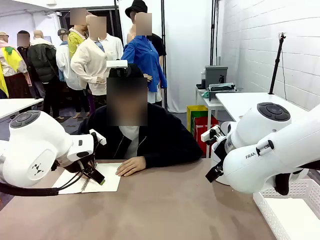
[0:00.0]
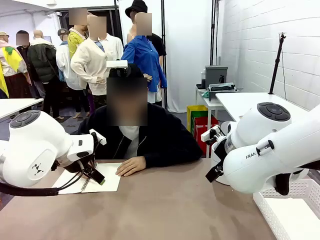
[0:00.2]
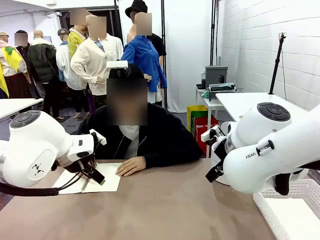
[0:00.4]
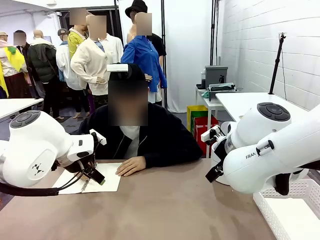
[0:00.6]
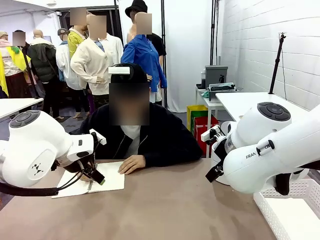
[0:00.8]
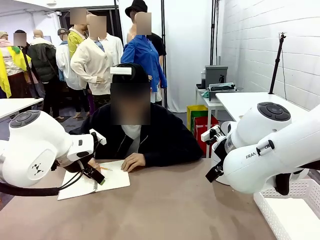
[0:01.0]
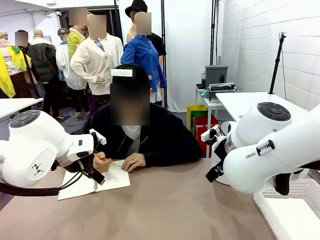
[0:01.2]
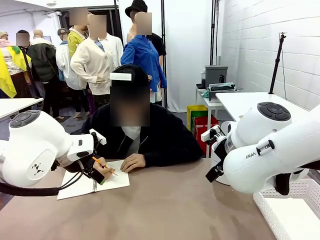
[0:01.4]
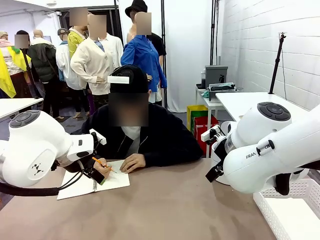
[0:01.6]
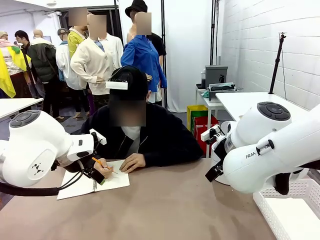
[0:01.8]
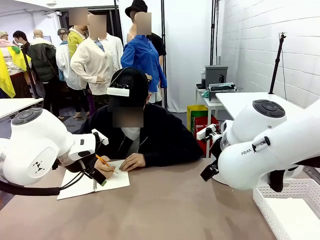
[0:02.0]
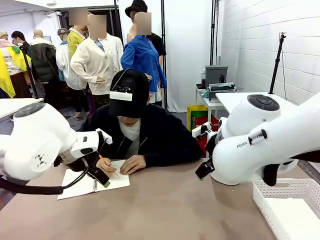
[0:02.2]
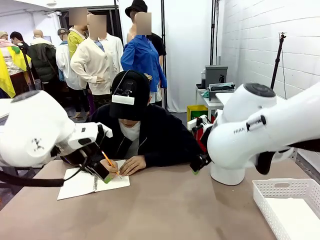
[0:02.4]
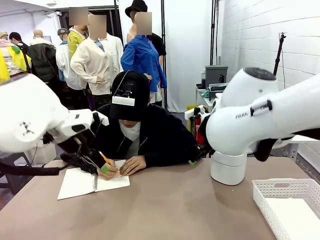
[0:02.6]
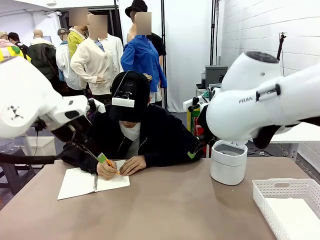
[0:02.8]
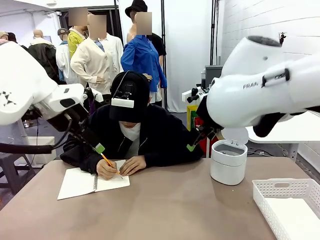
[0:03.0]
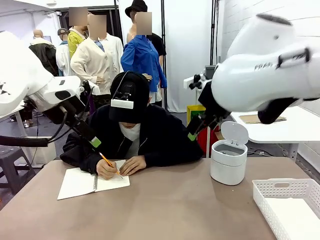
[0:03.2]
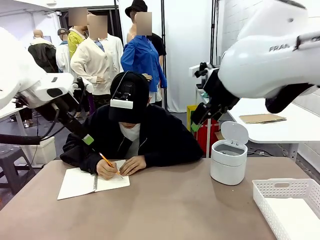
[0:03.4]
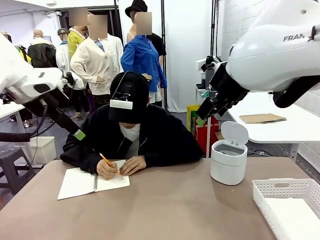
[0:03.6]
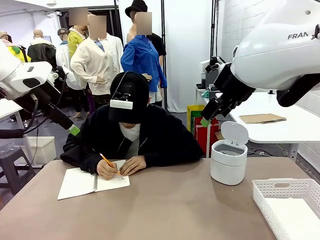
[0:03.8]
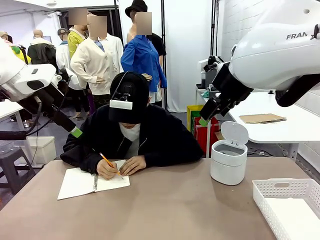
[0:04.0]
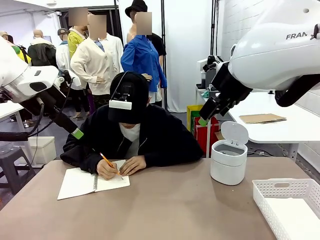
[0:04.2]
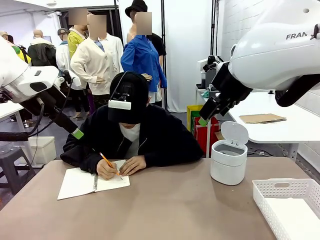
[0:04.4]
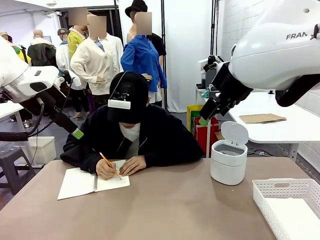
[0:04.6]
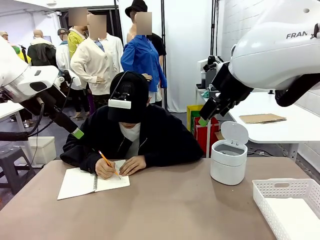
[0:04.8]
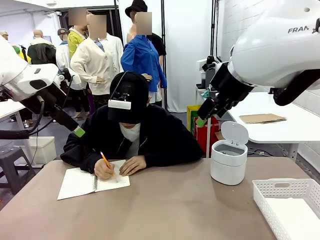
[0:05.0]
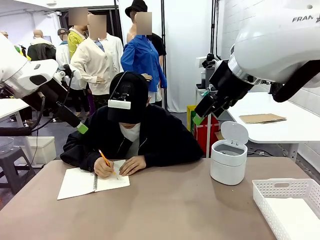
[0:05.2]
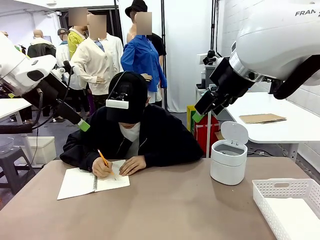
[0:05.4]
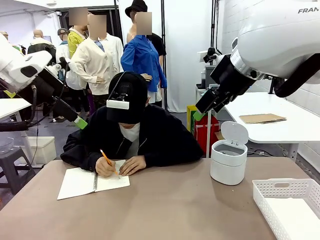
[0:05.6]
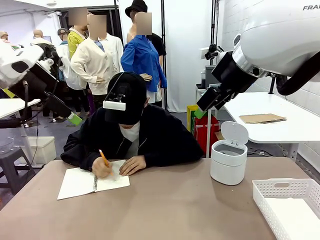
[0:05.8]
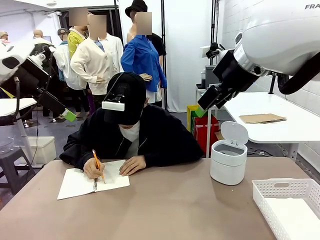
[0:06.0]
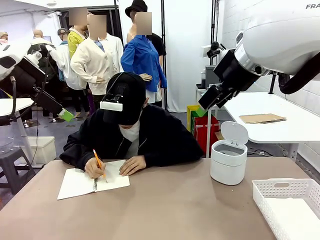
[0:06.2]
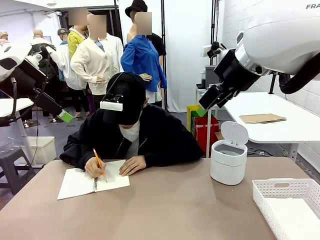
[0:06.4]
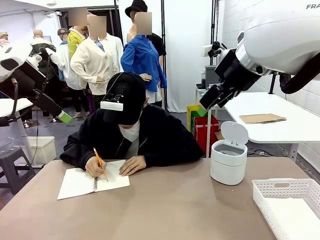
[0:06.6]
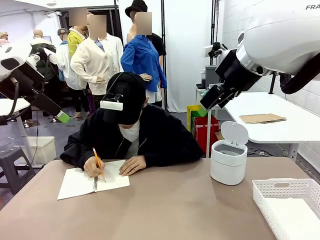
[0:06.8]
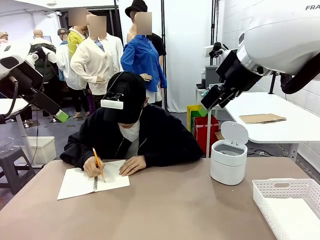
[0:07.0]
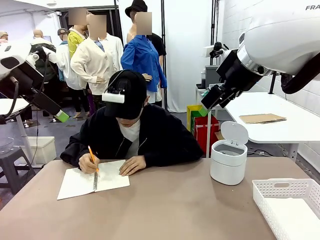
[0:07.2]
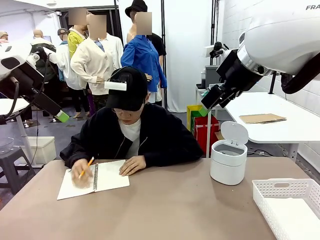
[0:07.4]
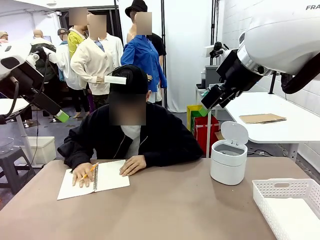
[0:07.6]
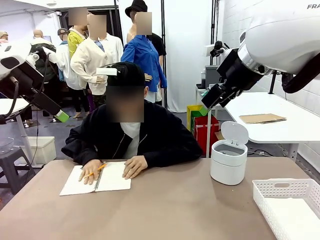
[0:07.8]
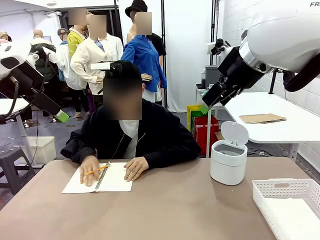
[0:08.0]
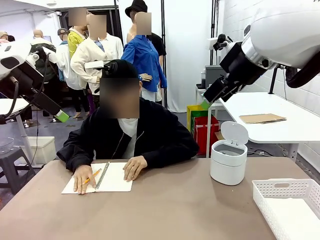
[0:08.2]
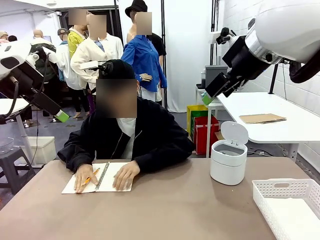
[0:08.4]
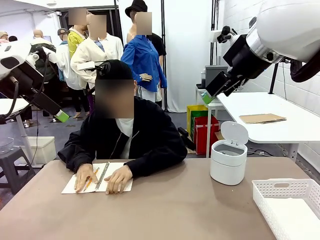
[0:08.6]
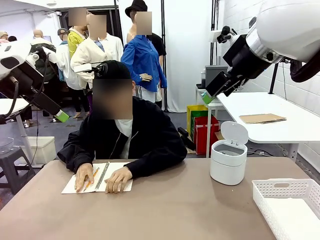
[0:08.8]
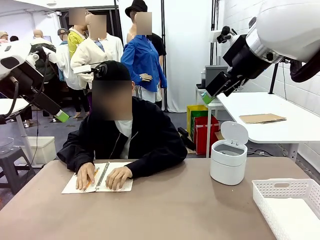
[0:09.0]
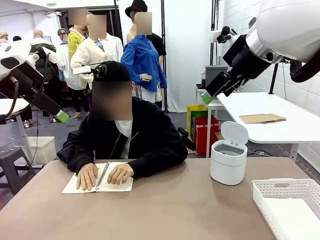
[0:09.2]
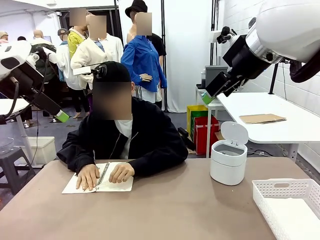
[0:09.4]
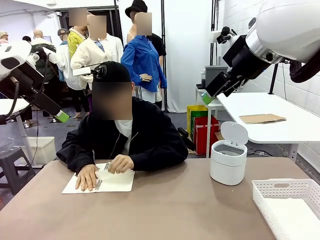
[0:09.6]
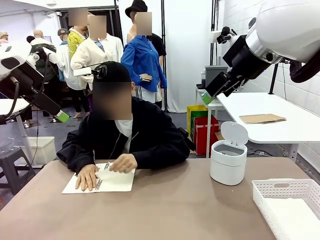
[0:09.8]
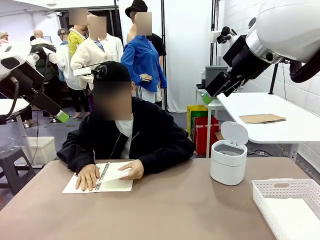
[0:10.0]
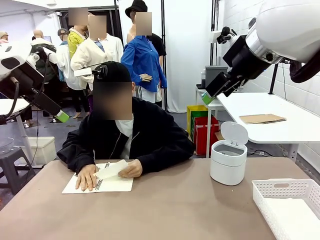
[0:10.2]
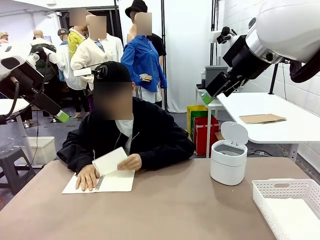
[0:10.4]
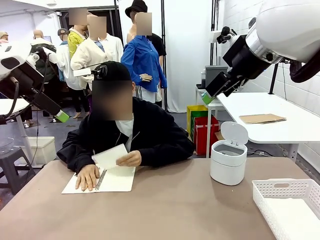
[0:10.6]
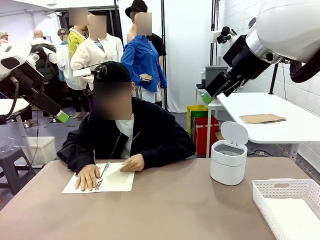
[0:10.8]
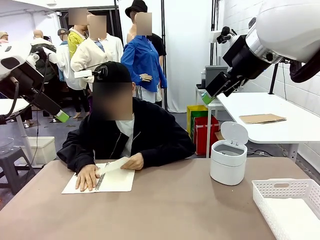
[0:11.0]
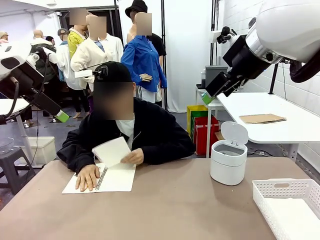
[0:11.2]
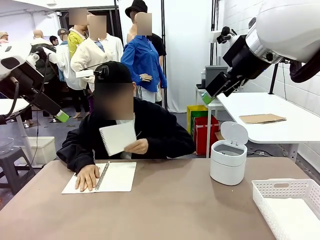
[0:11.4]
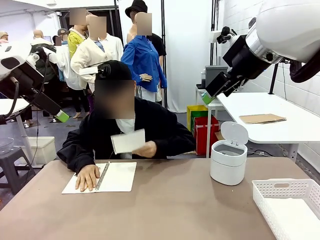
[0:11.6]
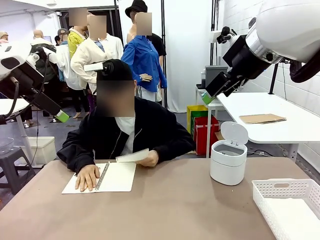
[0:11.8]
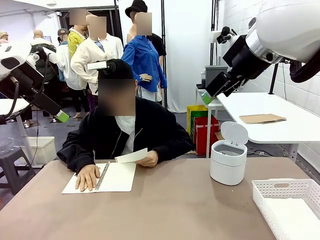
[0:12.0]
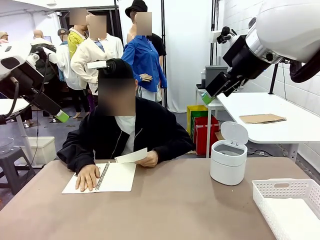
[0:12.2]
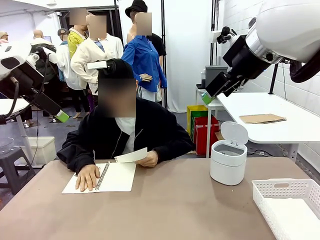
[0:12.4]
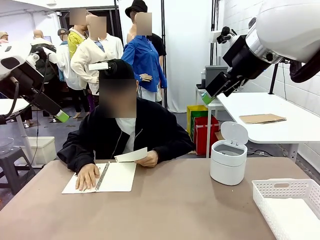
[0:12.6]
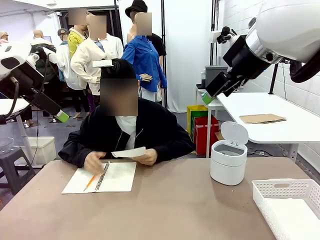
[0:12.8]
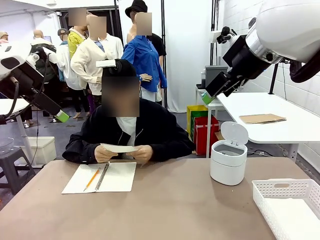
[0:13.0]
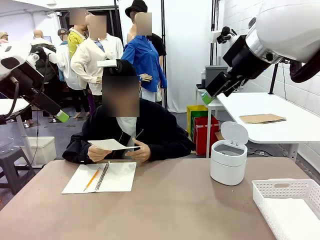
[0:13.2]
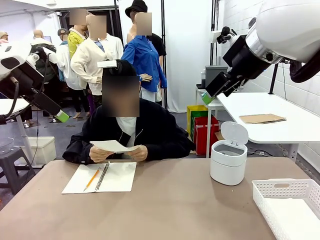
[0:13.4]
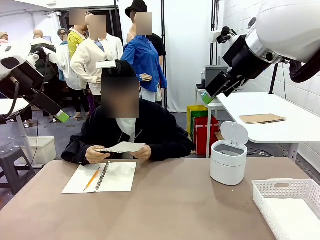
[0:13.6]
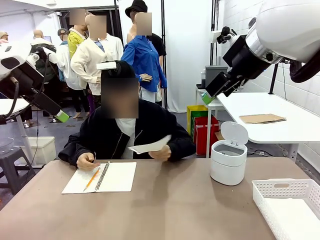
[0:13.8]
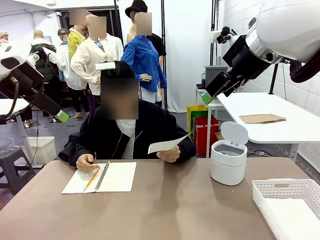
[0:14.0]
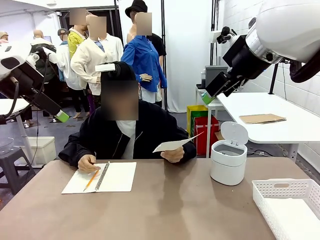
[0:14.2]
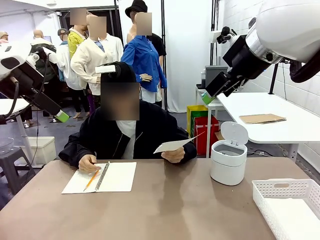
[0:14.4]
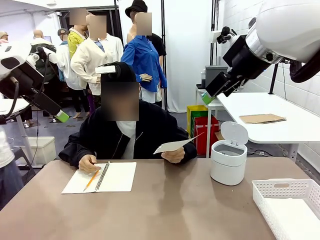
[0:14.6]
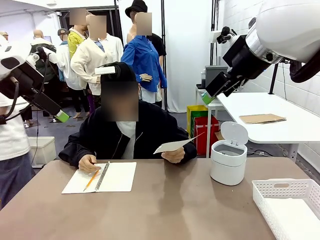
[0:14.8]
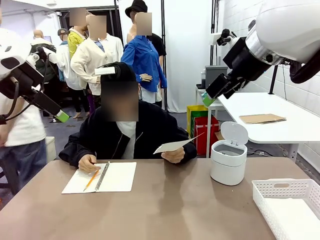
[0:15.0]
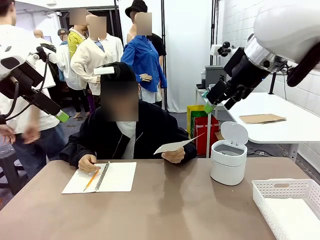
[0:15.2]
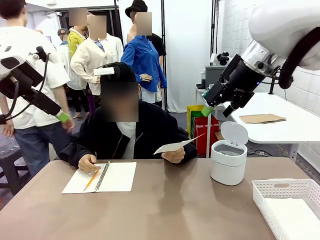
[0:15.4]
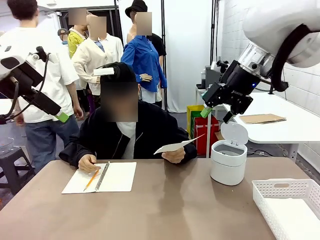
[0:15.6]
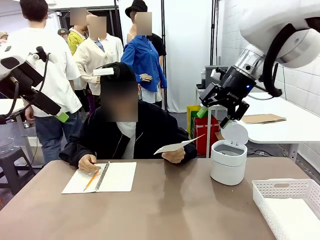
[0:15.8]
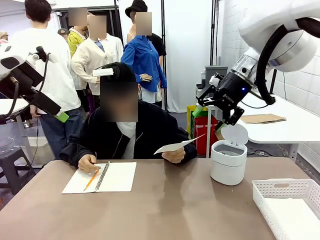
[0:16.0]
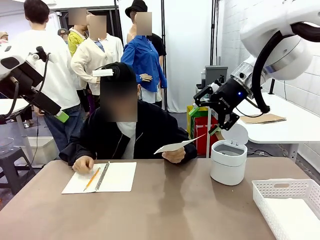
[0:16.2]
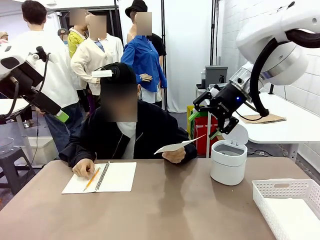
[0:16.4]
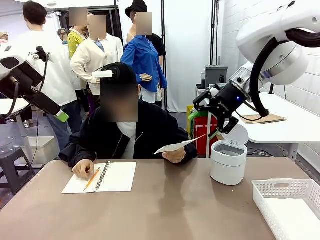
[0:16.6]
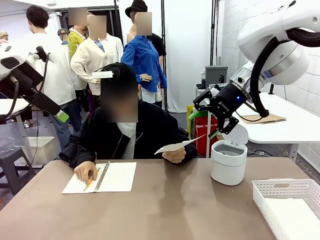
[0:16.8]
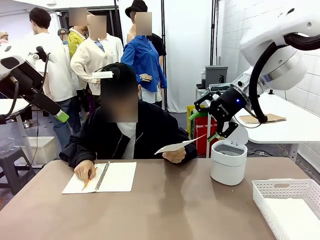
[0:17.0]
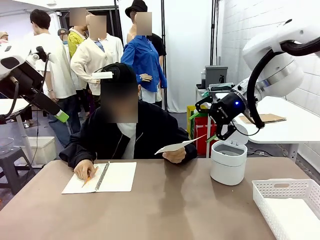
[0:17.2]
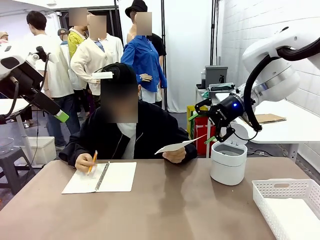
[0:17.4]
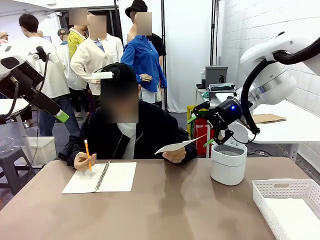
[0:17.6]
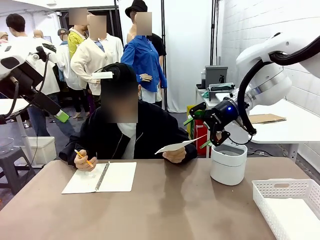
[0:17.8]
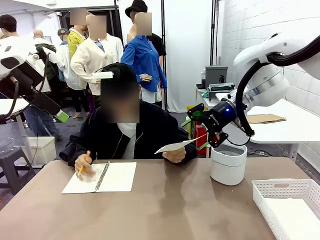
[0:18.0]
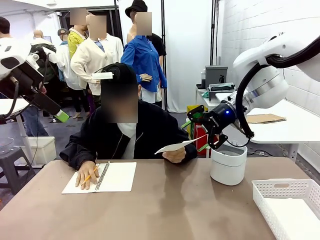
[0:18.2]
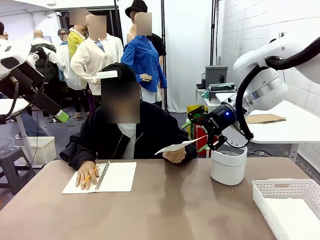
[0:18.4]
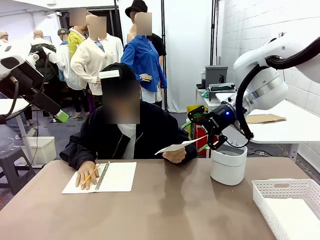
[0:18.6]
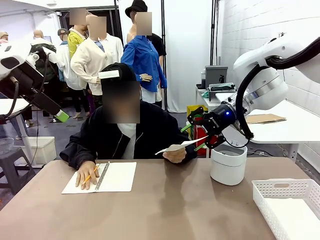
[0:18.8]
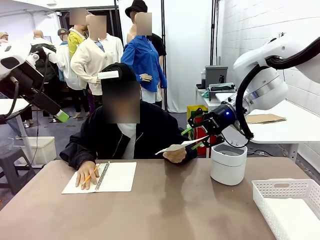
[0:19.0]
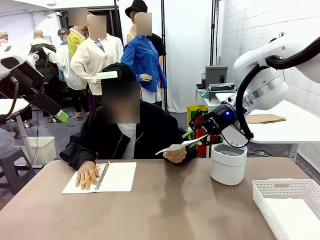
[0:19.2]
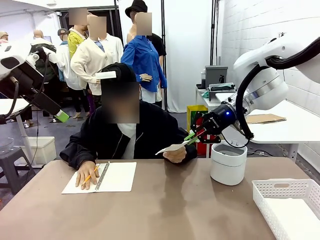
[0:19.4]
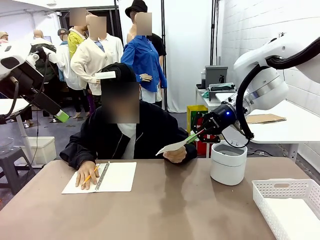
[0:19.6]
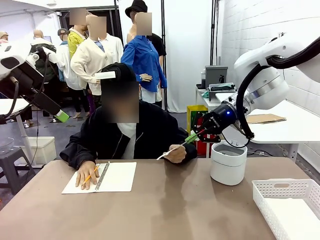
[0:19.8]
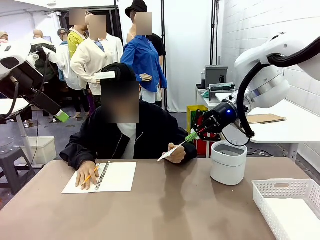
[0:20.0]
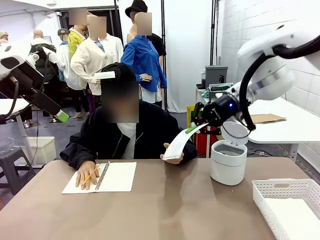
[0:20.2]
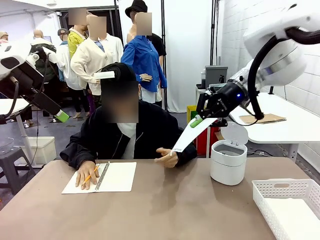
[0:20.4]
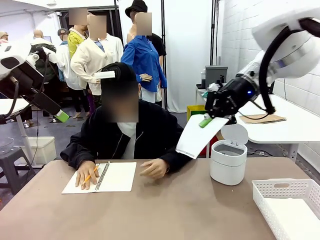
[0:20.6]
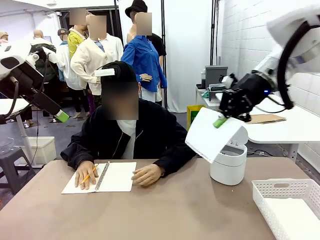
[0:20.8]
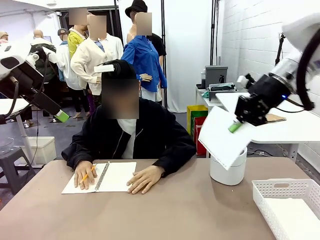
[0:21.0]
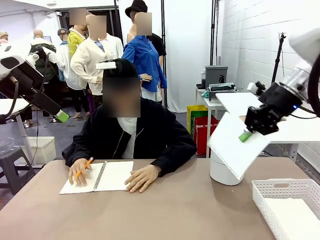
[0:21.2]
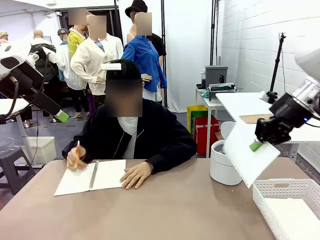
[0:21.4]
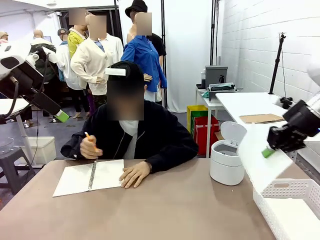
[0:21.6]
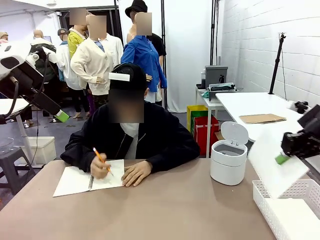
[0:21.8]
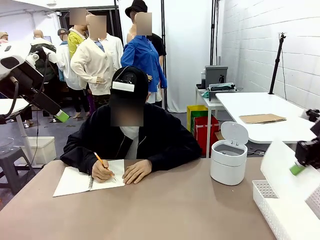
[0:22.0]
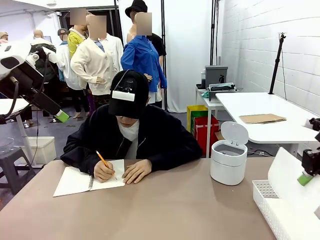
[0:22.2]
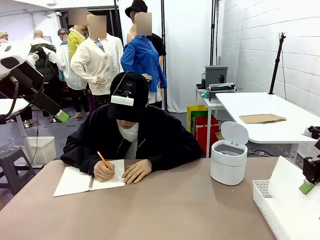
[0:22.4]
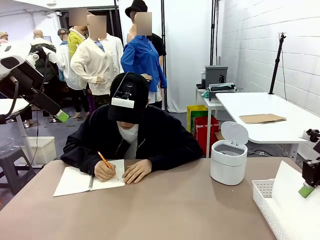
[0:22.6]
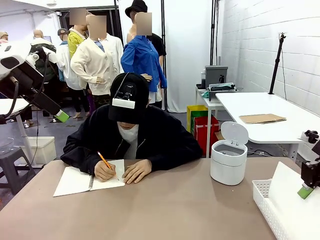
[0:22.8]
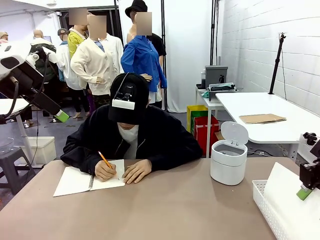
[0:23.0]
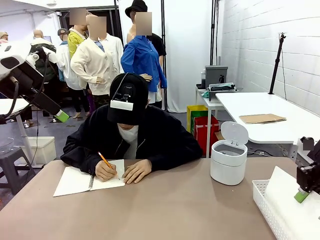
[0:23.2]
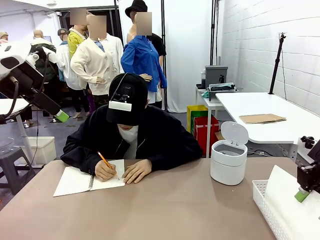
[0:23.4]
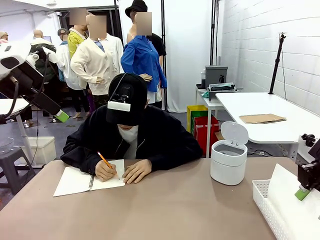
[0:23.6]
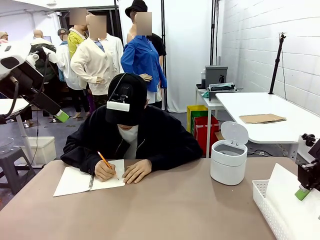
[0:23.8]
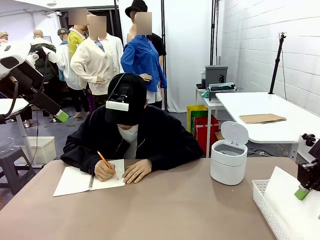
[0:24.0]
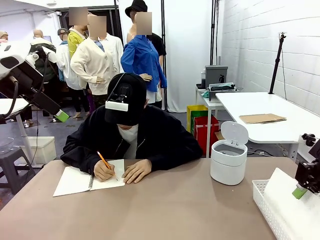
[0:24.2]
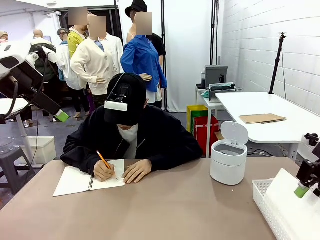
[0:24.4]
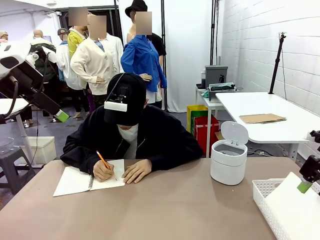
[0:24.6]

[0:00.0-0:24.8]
Task: Sort the paper based on its condition.
Robot: If a person hands you a paper, place it in the Organizing basket , and if it's crumpled, put it in the Trash can.
Person: Tear out a page from the spiral notebook. Hand the torn page to the robot or crumple it and throw it to the center of the table. Tear out a page from the spiral notebook.
